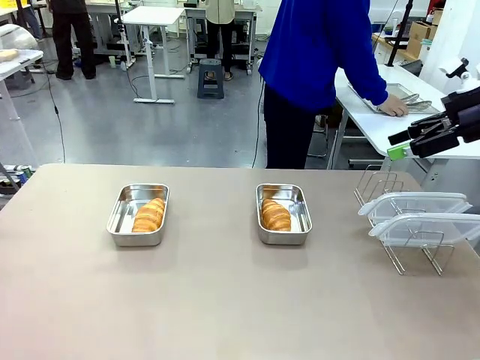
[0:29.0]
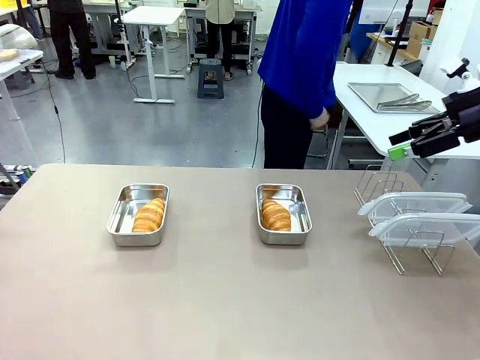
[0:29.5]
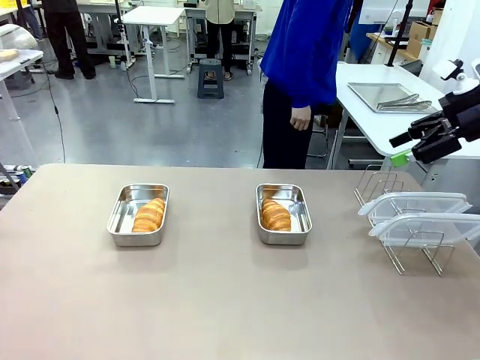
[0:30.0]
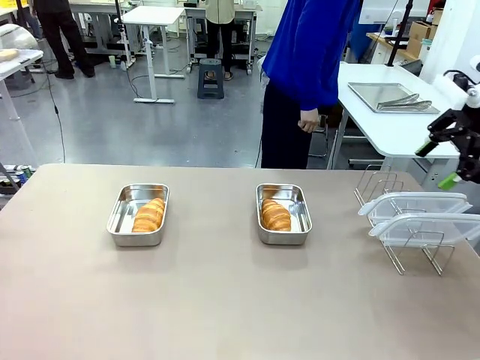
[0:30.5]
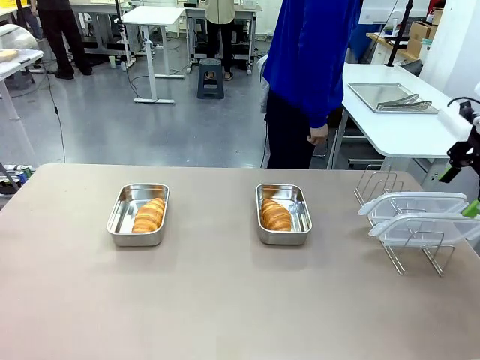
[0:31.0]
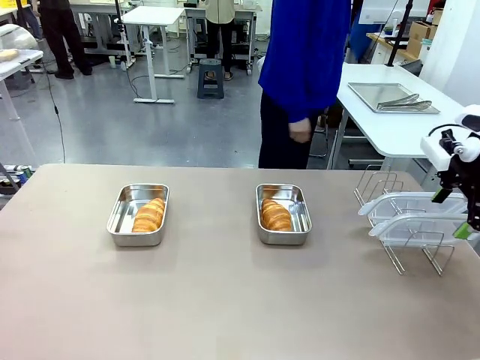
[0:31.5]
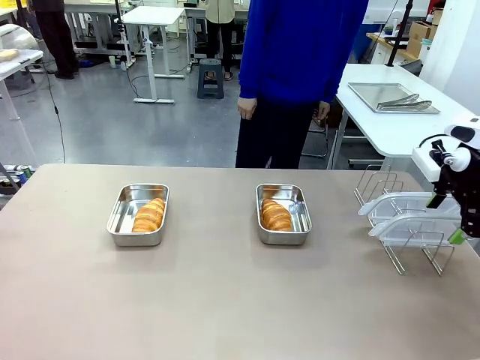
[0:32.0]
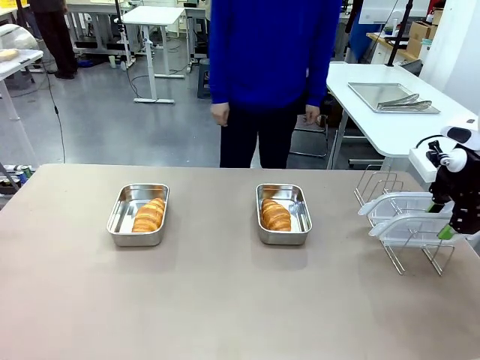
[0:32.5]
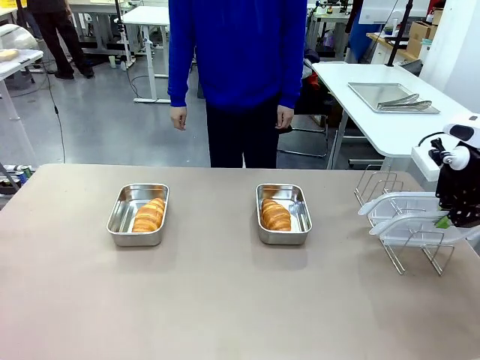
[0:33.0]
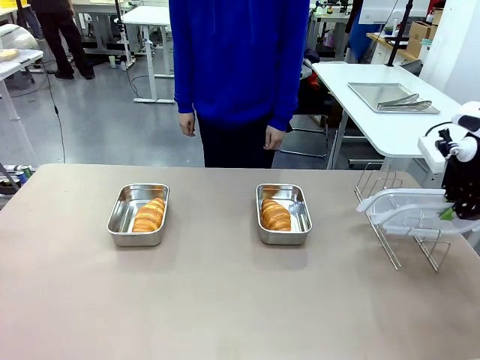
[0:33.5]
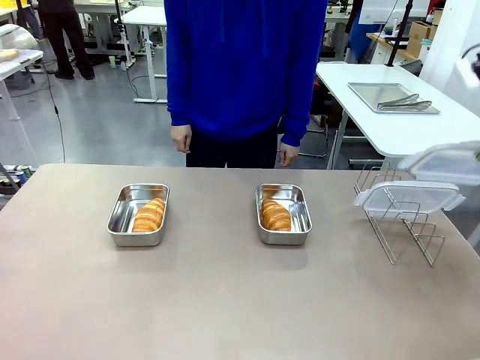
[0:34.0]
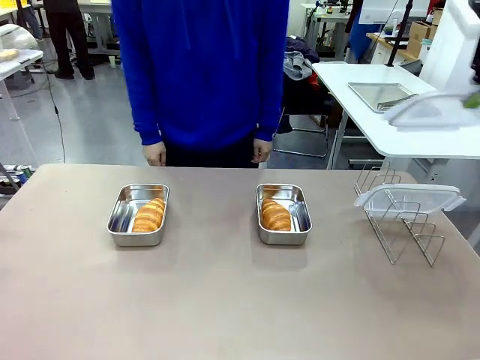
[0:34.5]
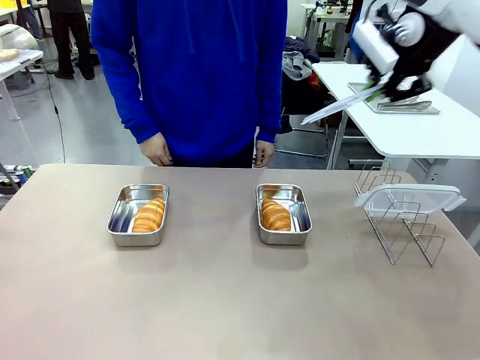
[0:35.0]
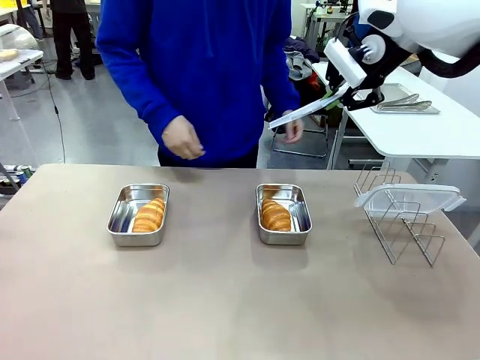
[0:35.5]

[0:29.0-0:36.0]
Task: Place the bread in airtight containers.
Robot: Pick up one Airtight Container lid and hand it to the human.
Person: Grip Airtight Container lid that robot is handing.

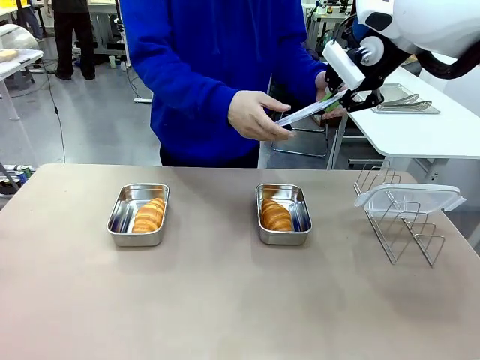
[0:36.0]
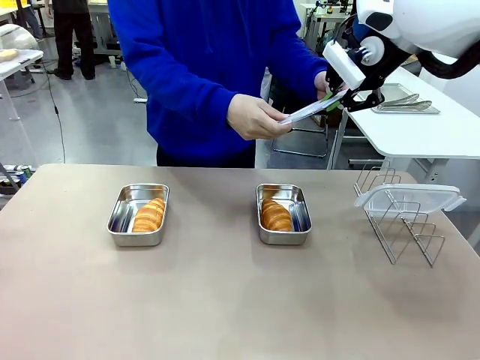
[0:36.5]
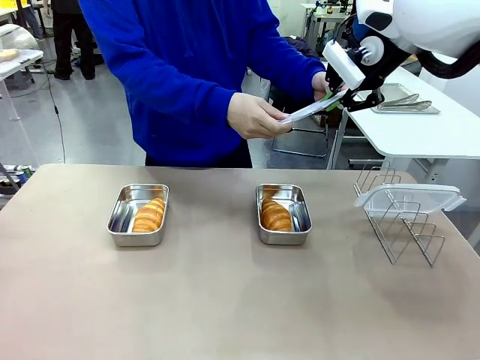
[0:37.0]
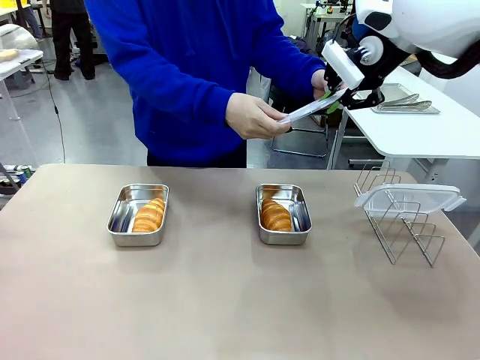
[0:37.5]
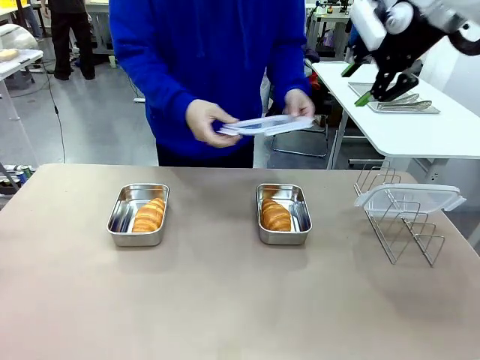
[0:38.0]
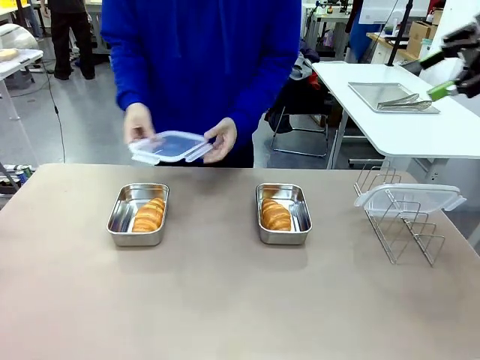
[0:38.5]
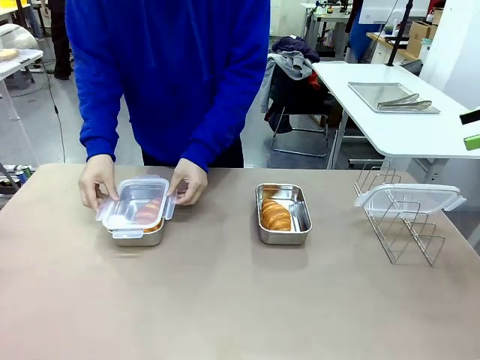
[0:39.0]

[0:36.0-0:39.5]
Robot: Release when the human grabs the Airtight Container lid.

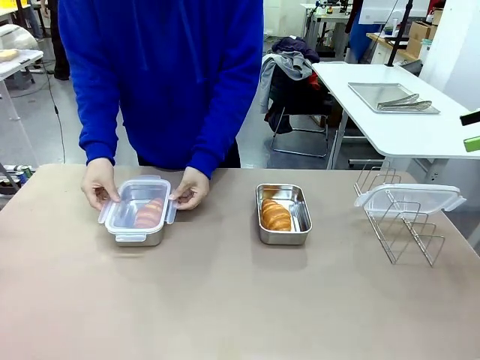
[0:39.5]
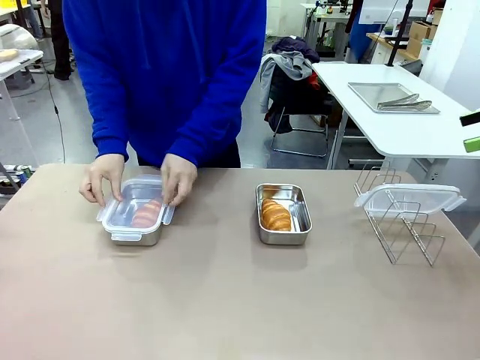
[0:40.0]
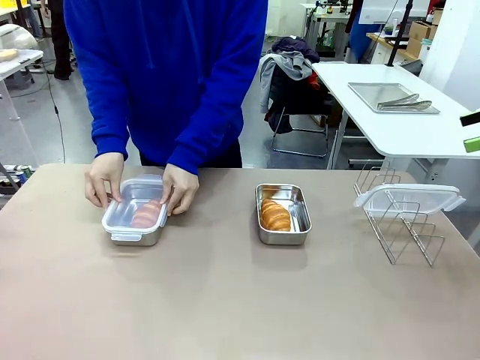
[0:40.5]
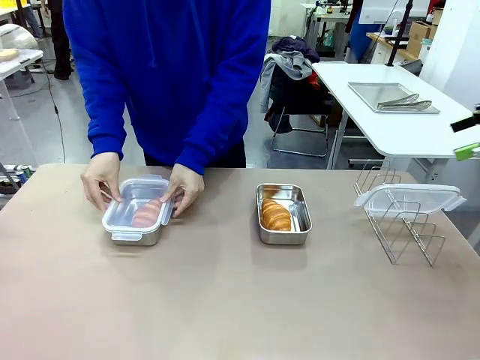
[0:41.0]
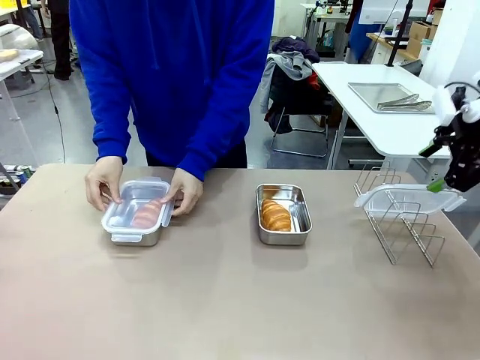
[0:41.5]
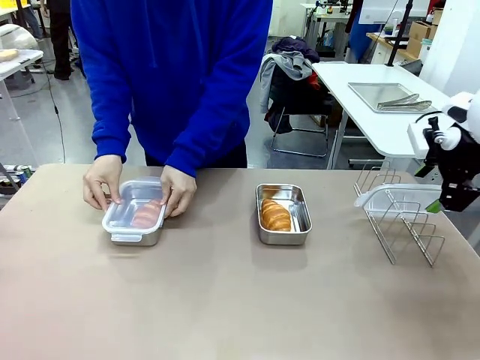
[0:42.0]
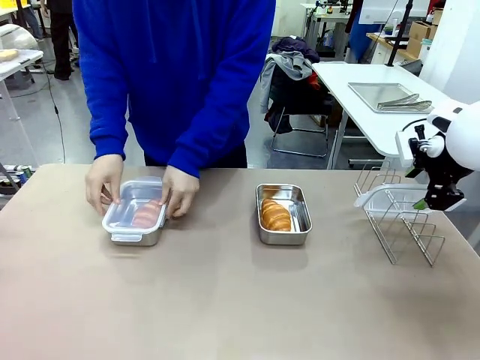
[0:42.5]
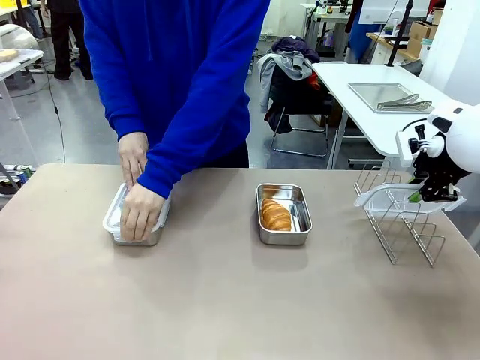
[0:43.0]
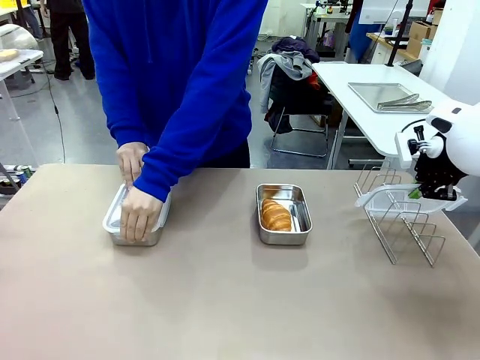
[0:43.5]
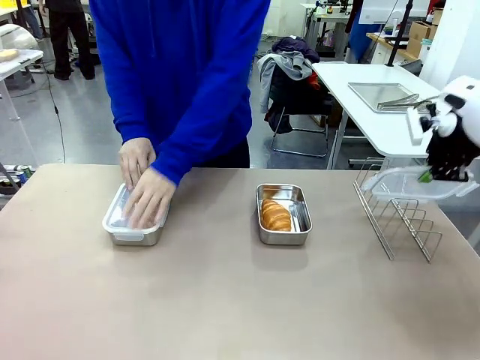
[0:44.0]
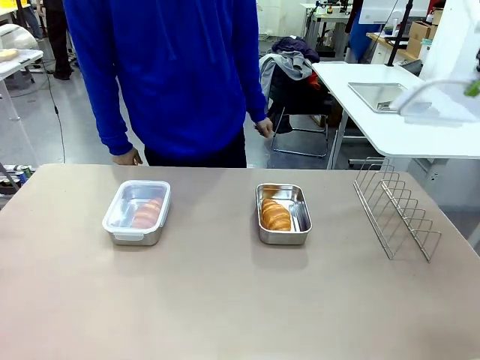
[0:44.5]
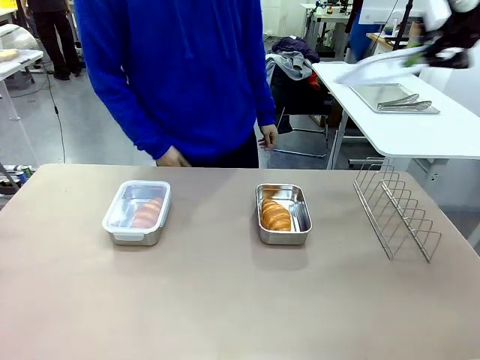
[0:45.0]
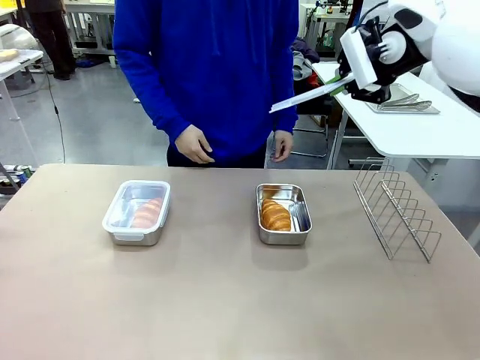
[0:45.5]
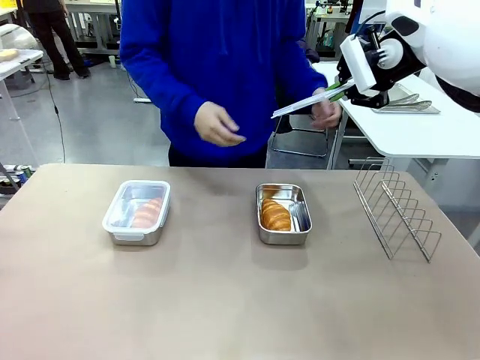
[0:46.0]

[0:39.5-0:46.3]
Robot: Pick up one Airtight Container lid and hand it to the human.
Person: Close Airtight Container with a handed Airtight Container lid. Grip Airtight Container lid that robot is handing.

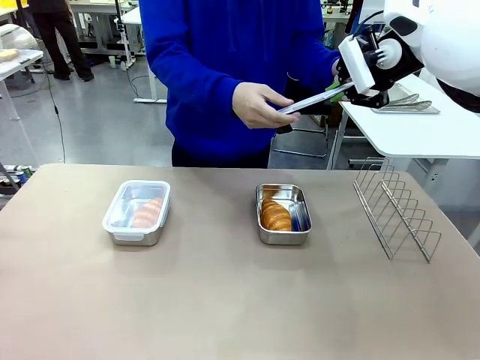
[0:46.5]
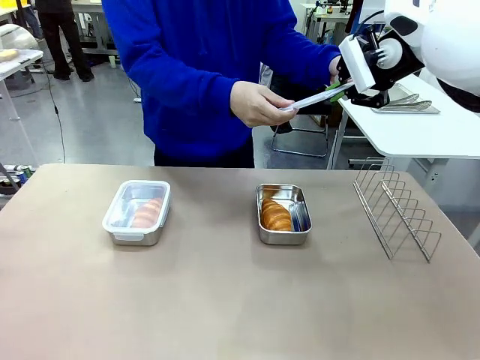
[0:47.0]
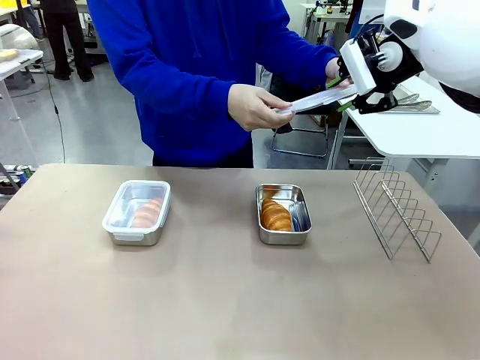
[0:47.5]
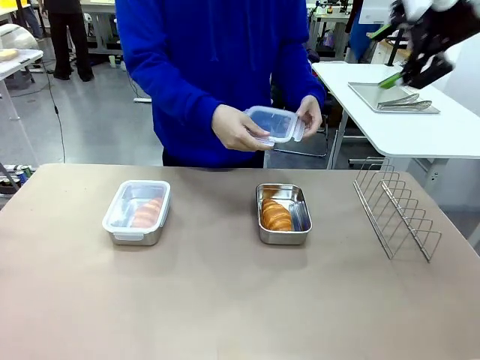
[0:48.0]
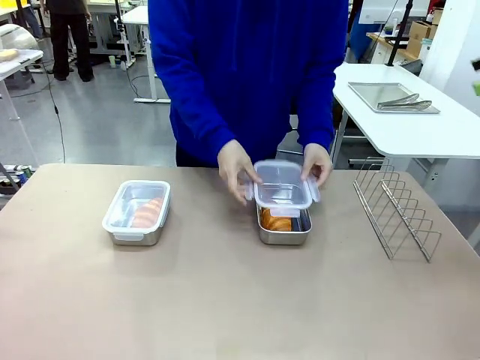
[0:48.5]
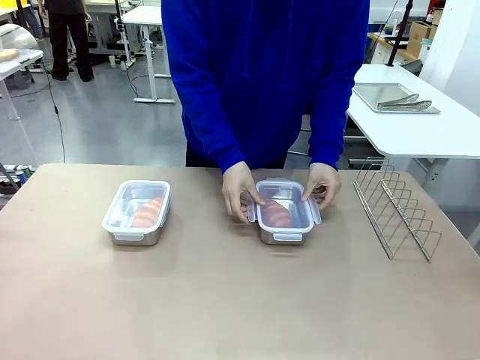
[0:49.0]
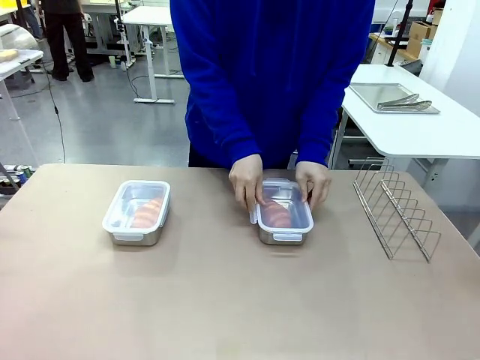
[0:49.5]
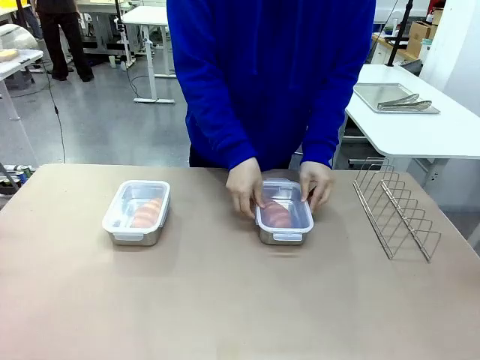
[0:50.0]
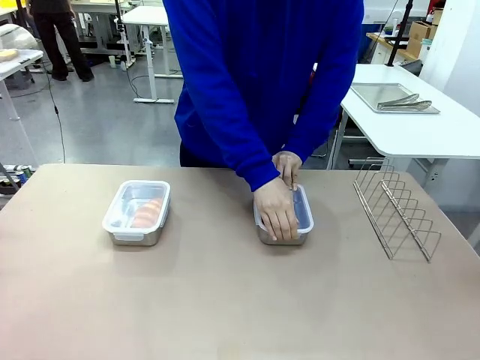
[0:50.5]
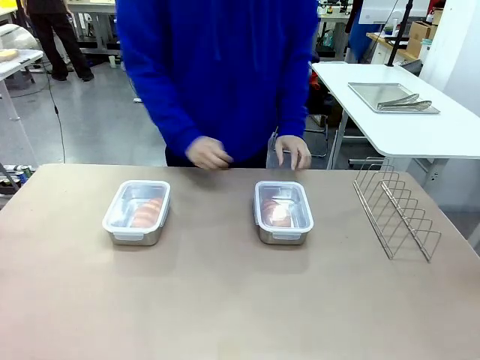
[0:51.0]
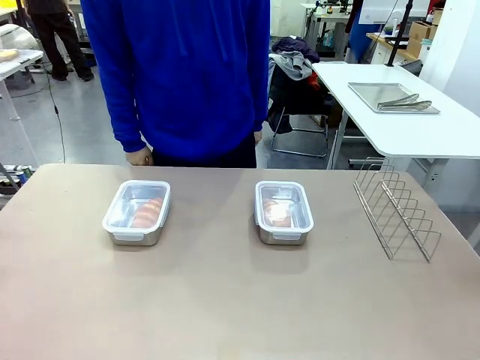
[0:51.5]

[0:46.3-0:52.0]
Robot: Release when the human grabs the Airtight Container lid.
Person: Close Airtight Container with a handed Airtight Container lid.

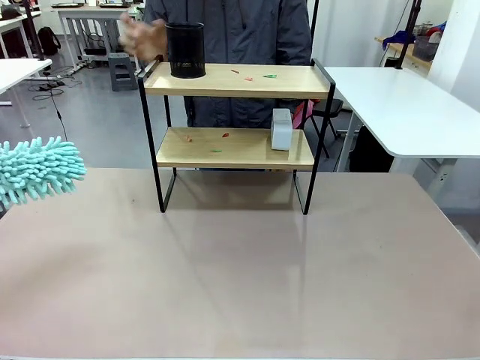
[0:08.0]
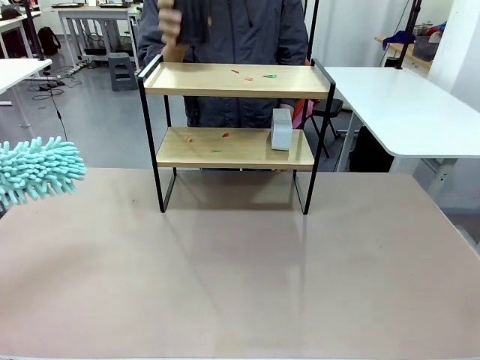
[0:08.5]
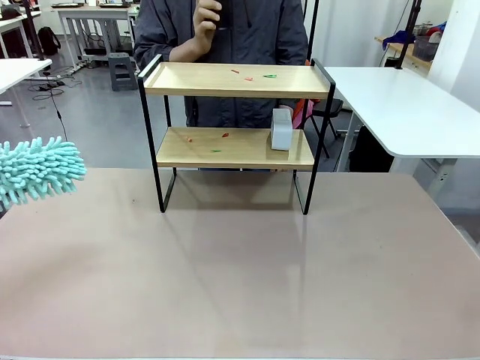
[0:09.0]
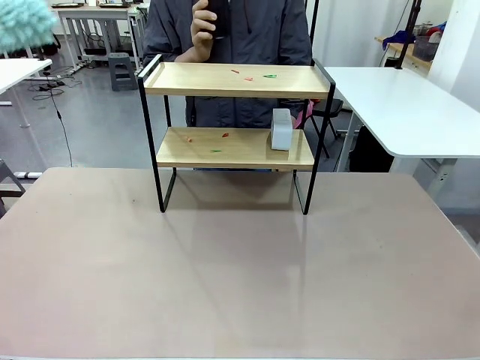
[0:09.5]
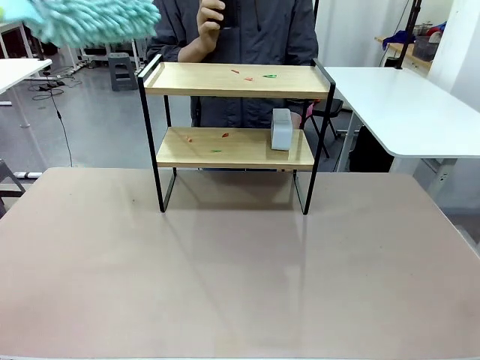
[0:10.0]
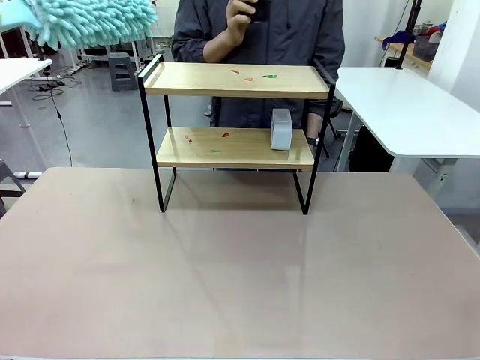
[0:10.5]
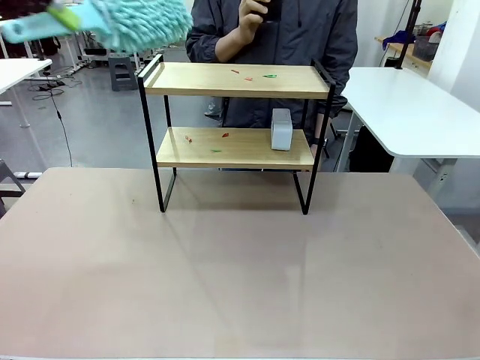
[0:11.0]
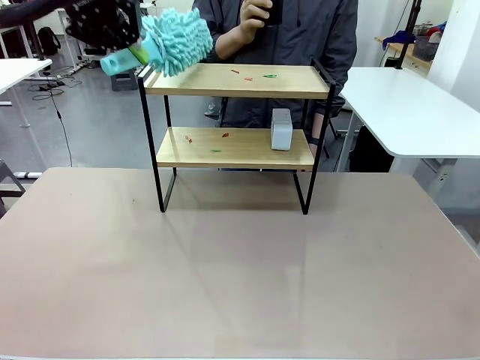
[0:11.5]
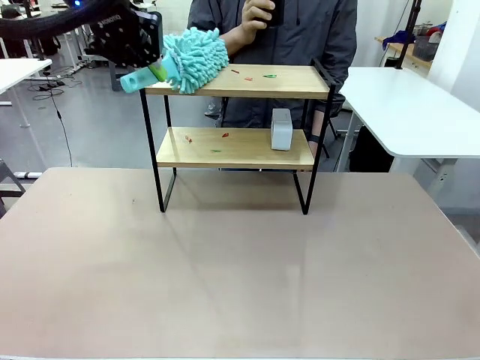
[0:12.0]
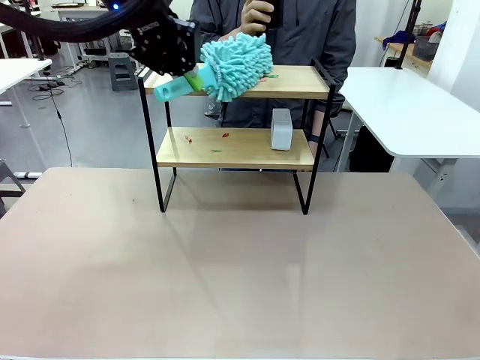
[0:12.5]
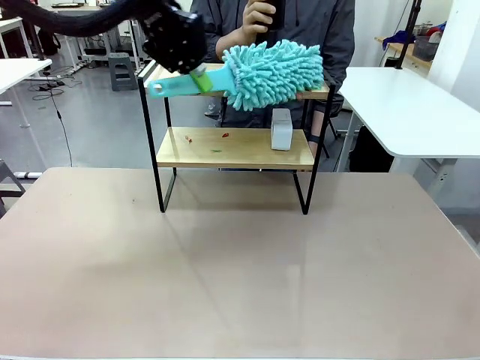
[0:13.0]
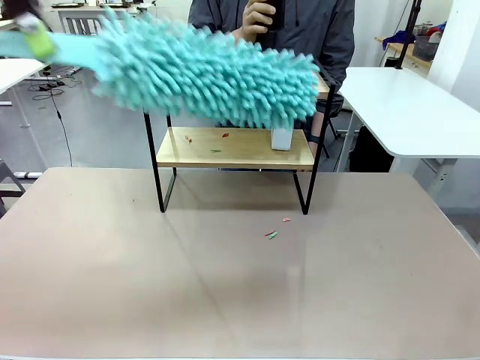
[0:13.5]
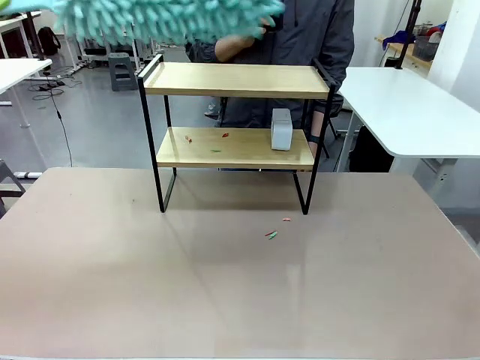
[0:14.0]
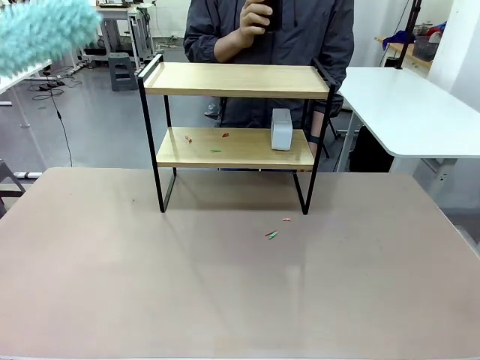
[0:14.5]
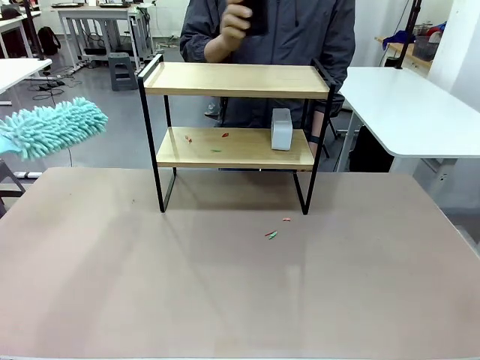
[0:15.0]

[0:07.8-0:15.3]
Task: Clean the shelf.
Robot: Clean the specific tier of the Shelf with the Duster once objects are removed.
Person: Lift the objects on a randomly selected tier of the Shelf. Once the robot finishes cleaning, lift the objects on the remaining tiers of the Shelf.
